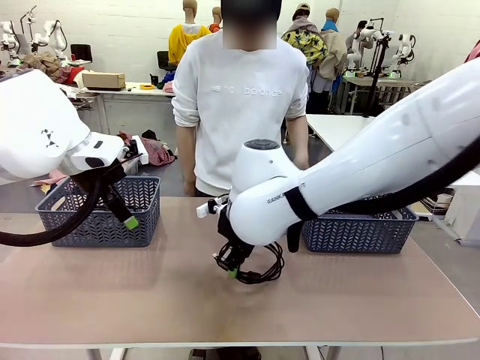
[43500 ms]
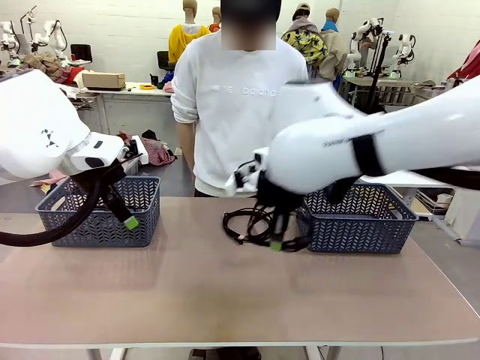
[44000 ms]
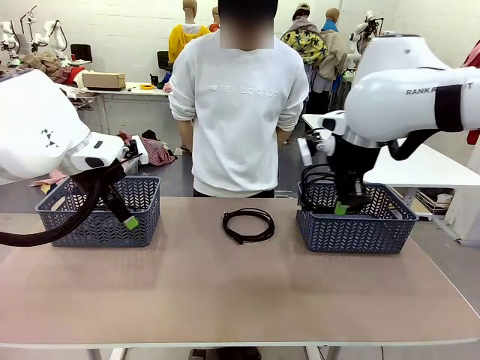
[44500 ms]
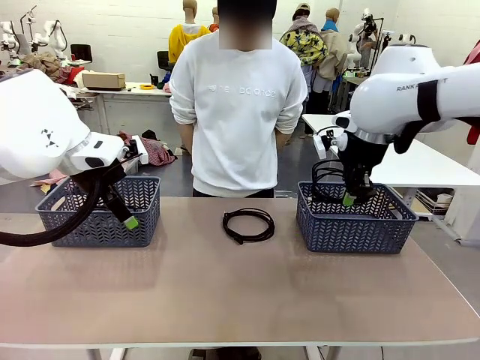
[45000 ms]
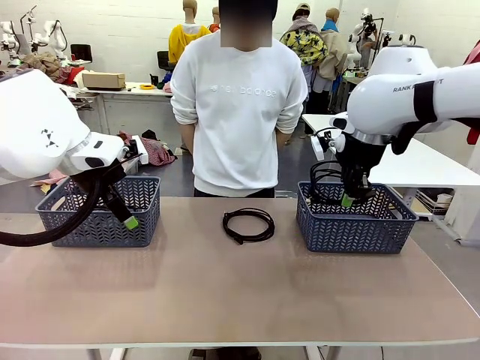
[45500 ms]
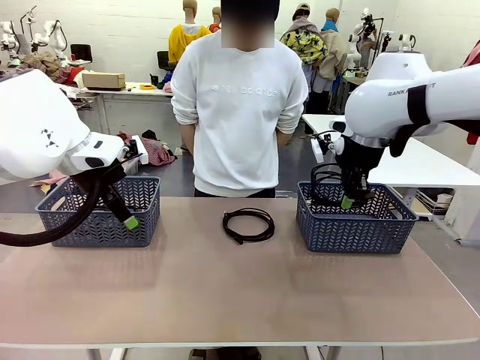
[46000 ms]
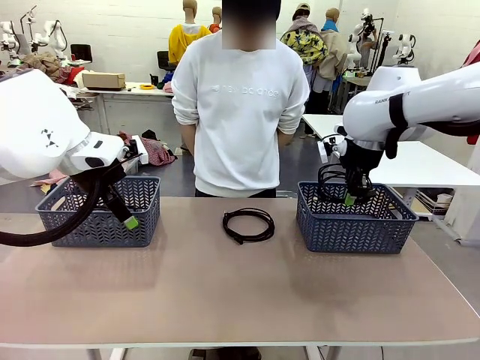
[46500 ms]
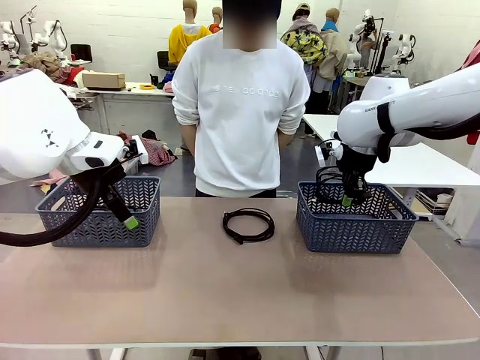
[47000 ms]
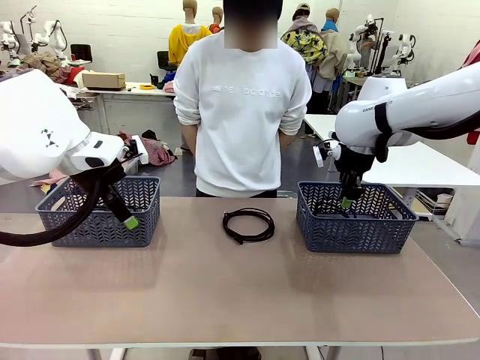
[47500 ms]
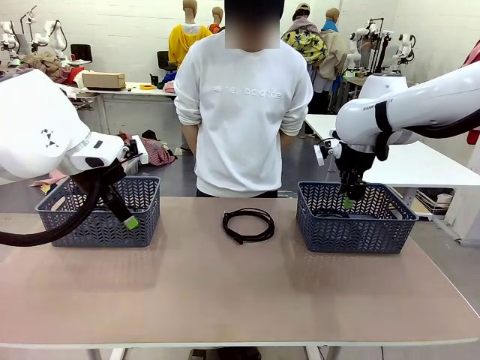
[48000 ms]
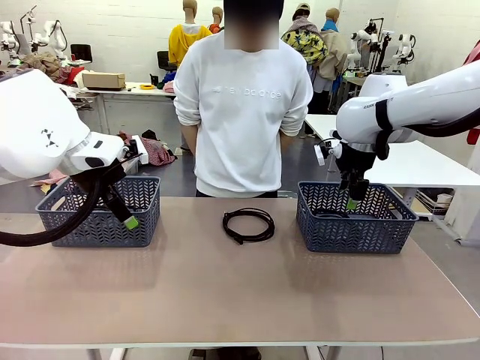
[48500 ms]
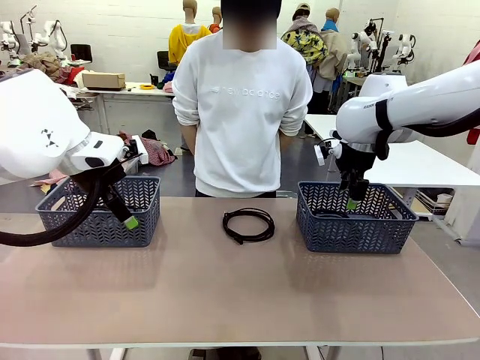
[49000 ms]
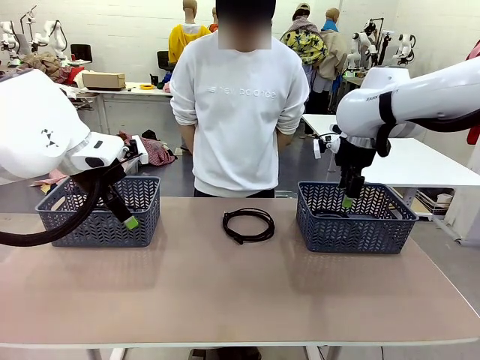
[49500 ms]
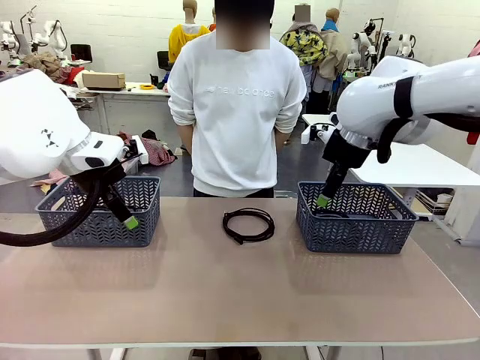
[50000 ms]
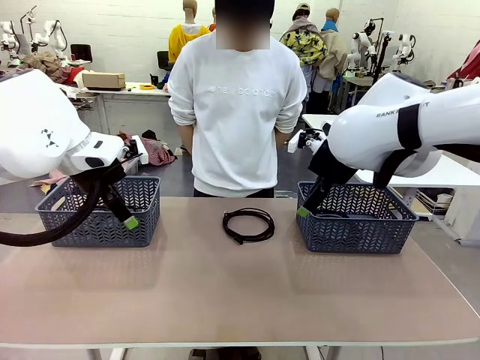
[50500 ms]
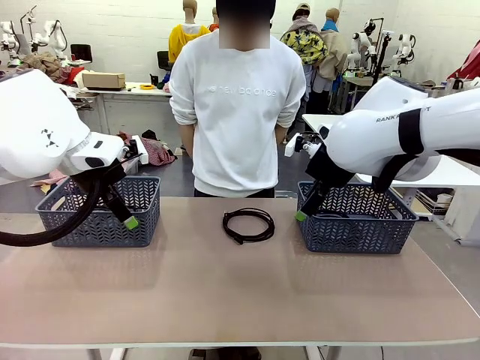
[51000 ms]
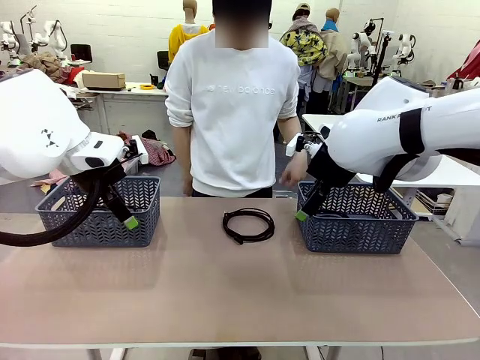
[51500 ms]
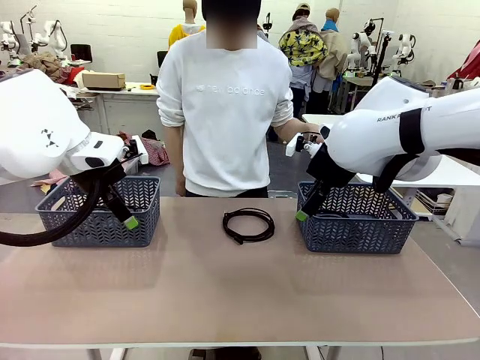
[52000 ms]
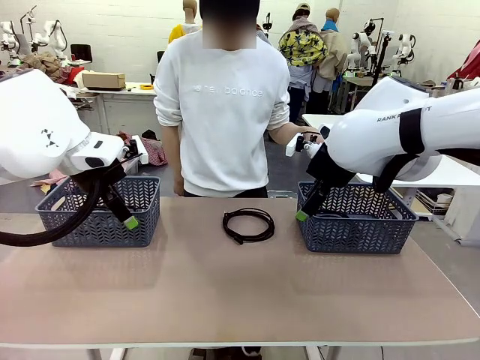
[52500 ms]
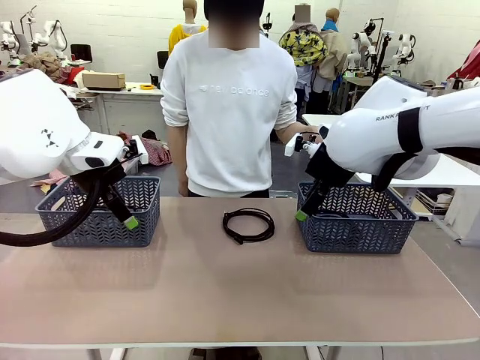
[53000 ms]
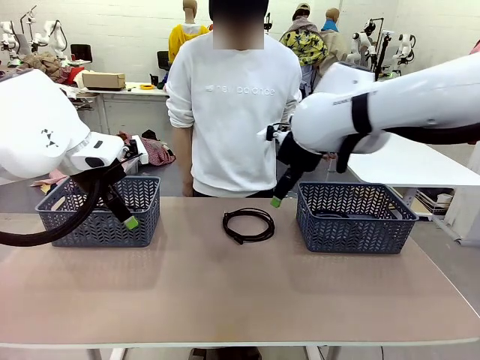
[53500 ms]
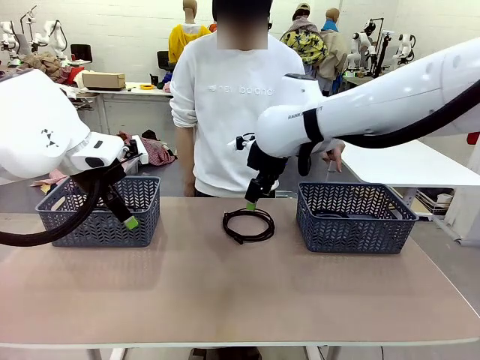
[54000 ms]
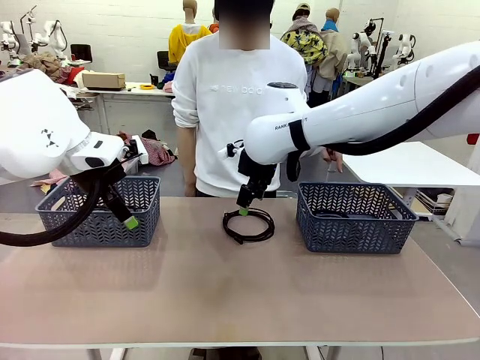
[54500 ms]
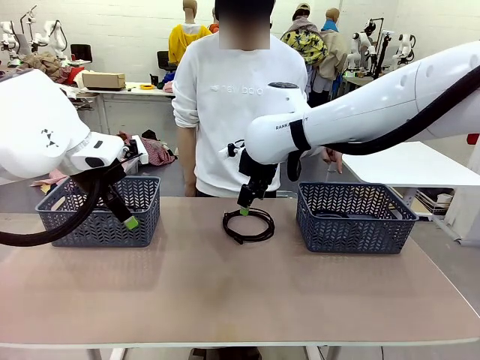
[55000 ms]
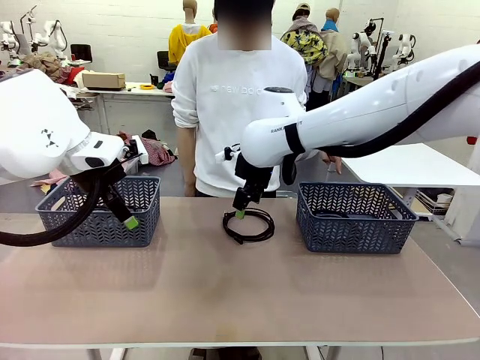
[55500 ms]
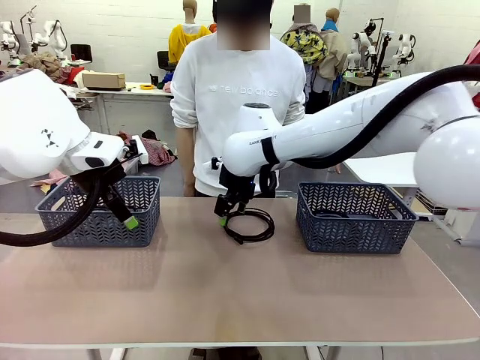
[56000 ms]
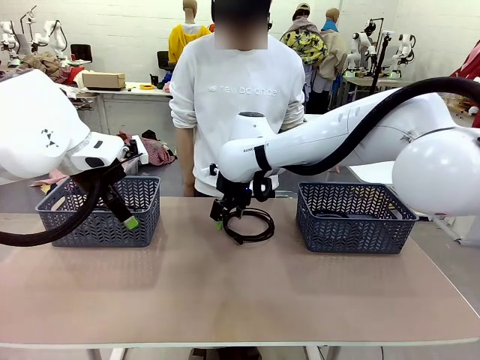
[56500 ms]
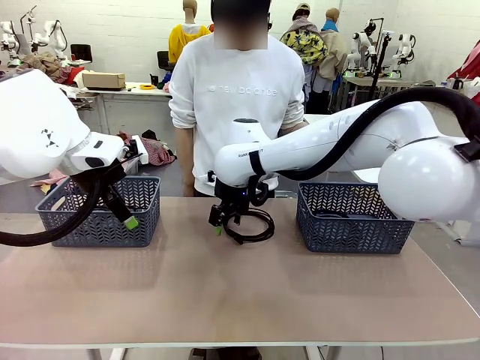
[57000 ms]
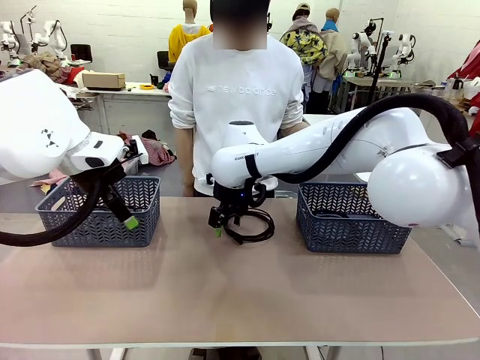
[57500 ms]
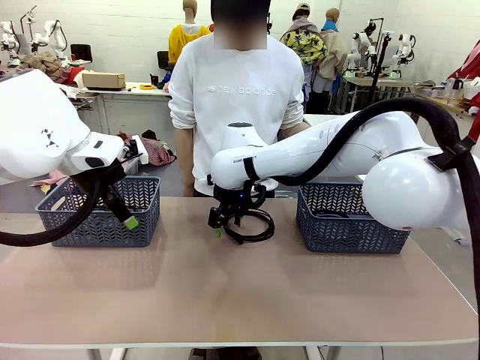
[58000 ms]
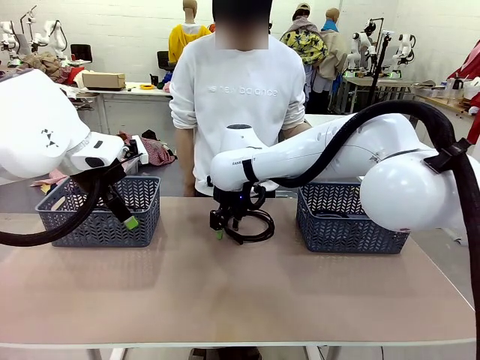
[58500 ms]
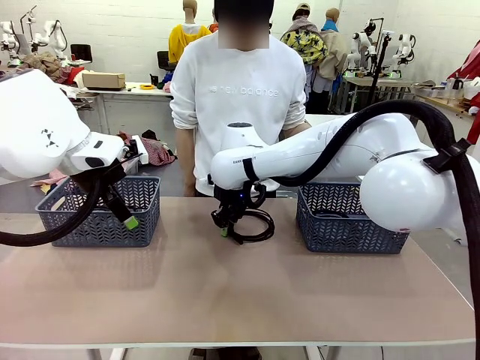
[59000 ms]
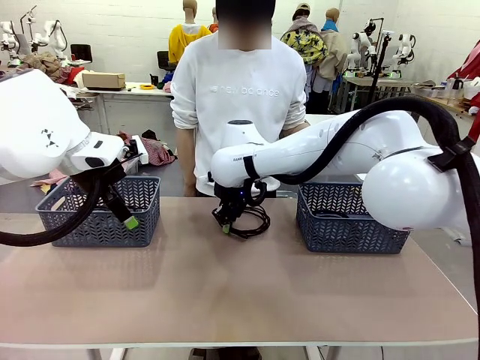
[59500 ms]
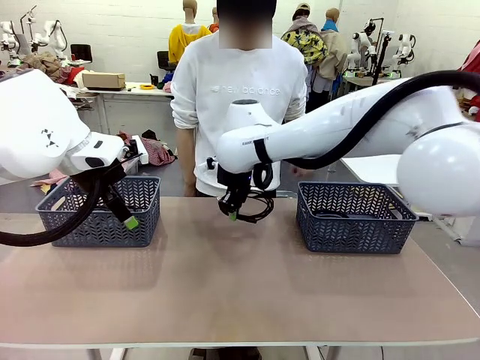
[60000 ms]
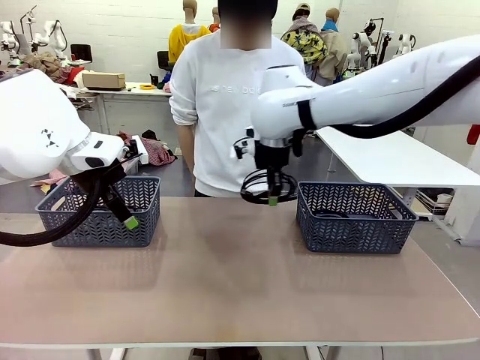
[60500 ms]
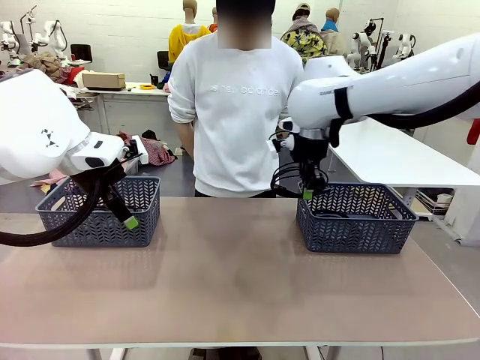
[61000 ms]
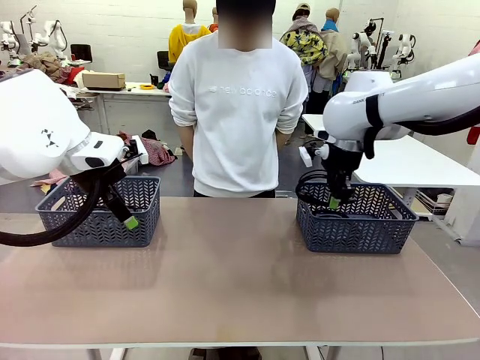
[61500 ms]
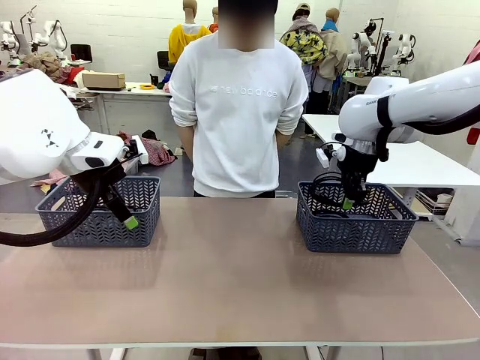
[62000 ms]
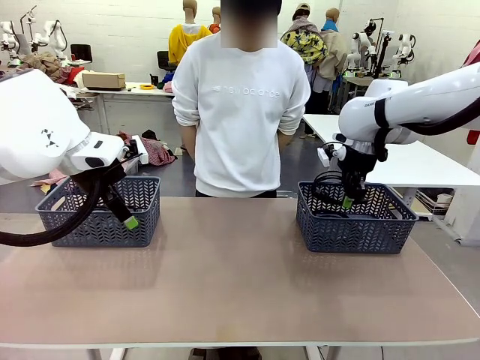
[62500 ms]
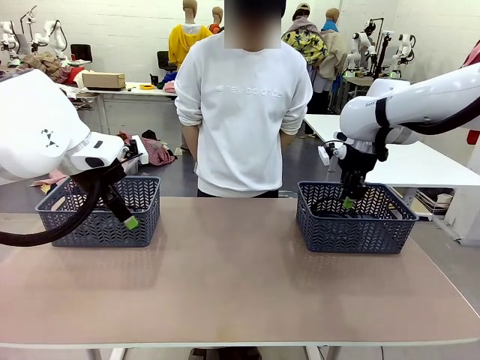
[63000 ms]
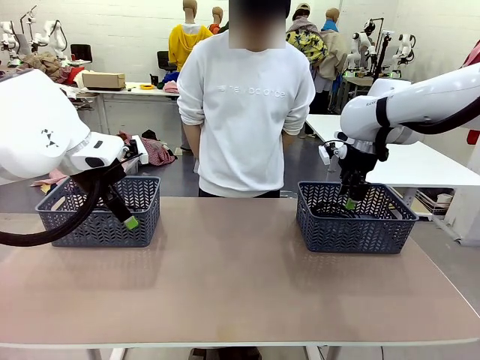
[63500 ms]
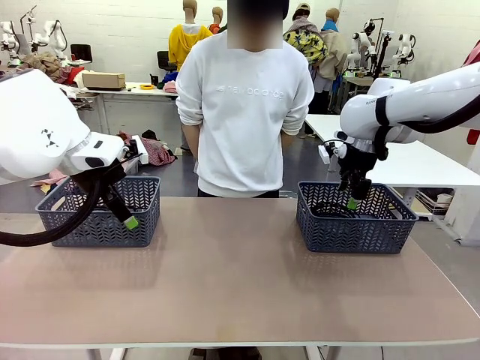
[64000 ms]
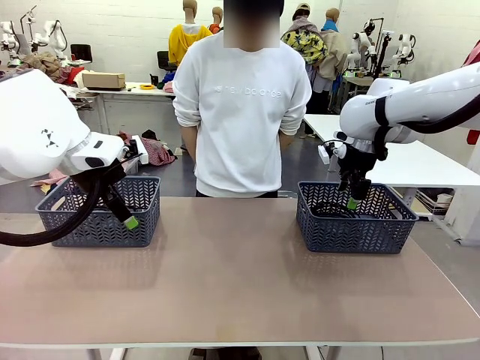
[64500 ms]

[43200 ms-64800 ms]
Task: Organize the cables according to human instructions.
Robot: Pick up a bundle of cables and place it in the basket indicated by the human.

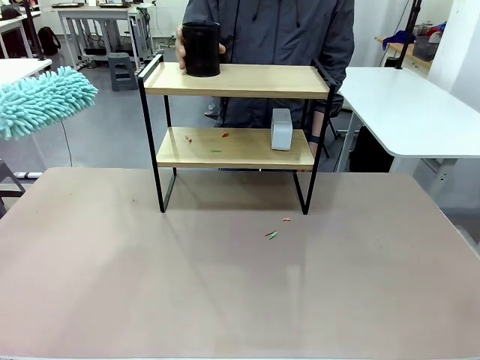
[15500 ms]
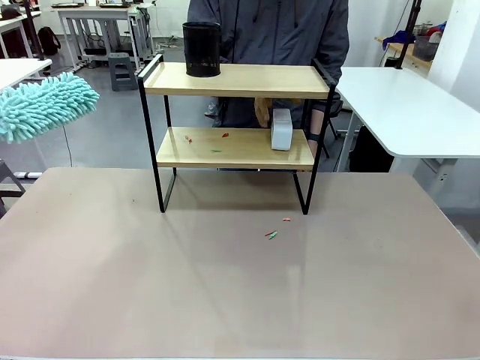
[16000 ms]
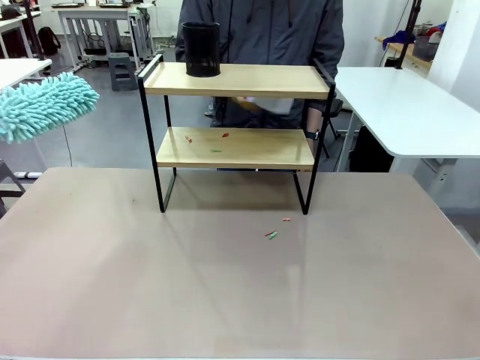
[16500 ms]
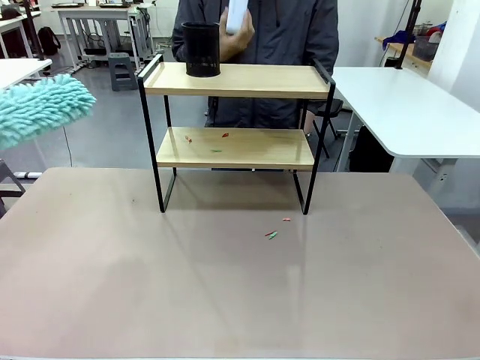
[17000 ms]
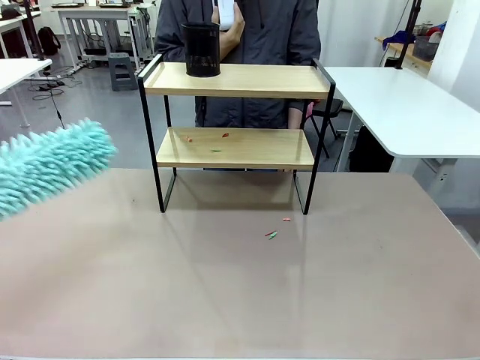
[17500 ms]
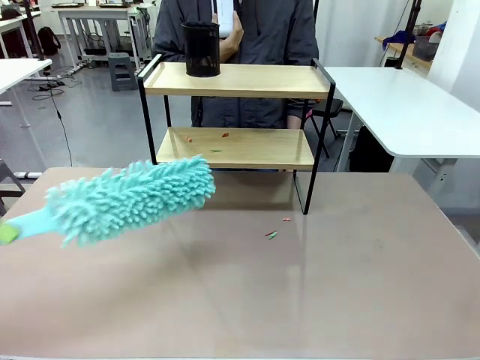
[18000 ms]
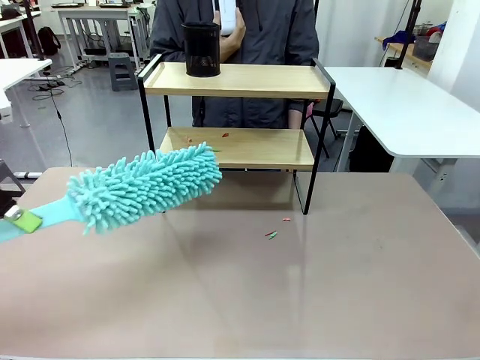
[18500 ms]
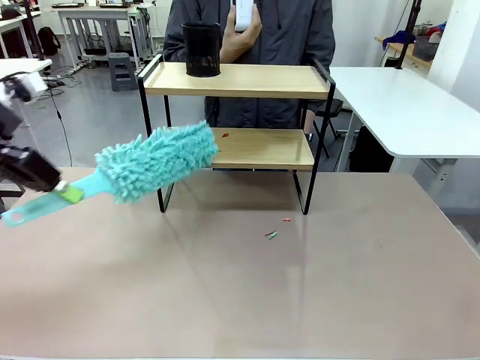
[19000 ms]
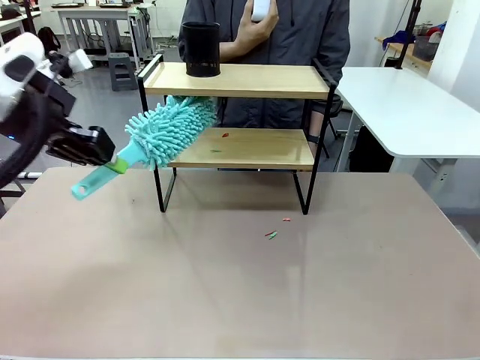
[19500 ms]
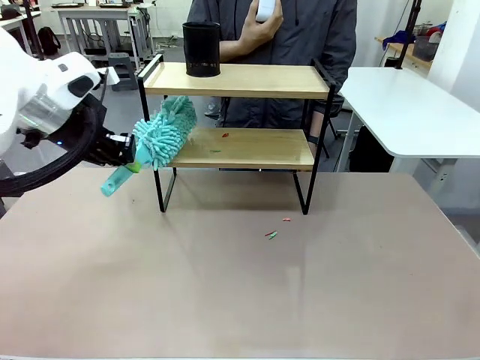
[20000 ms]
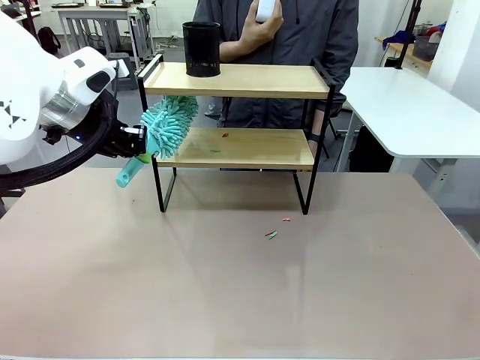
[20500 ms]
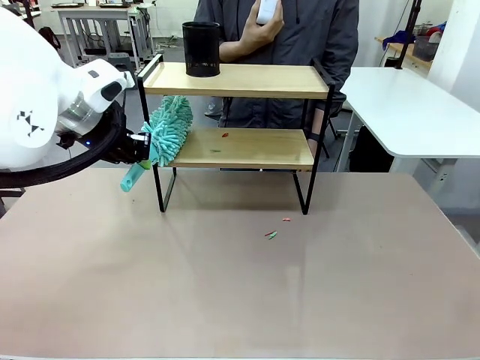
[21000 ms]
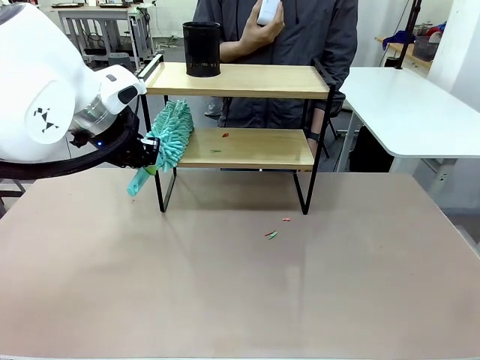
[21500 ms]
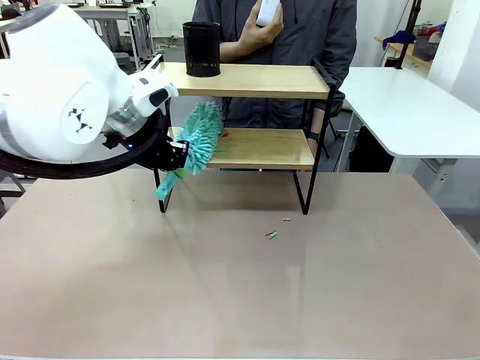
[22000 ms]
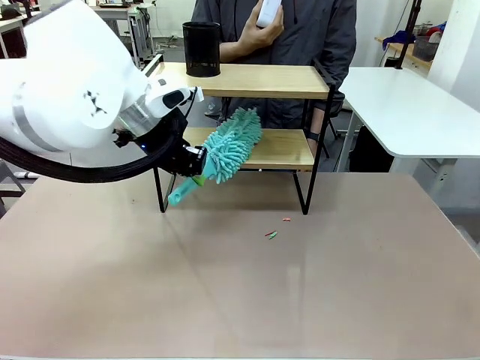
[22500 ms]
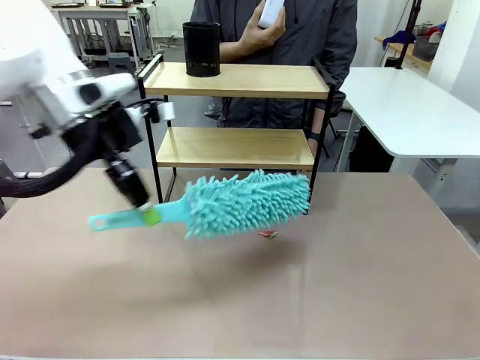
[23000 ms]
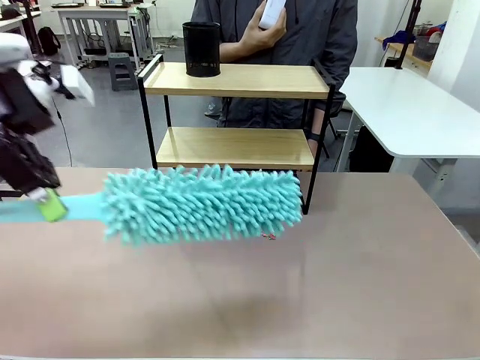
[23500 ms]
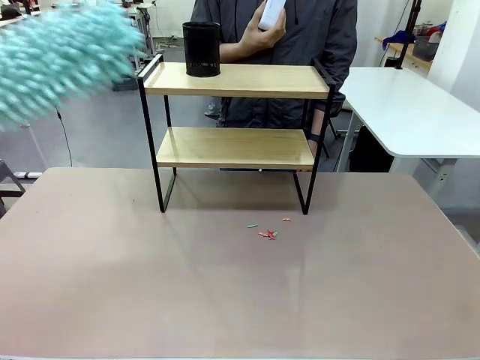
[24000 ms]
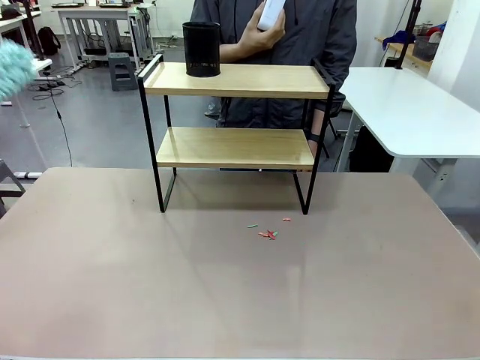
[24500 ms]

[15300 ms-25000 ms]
Task: Clean the shelf.
Robot: Clean the remaining tier of the Shelf with the Duster once objects are removed.
